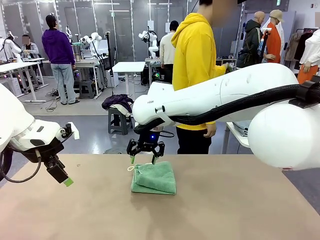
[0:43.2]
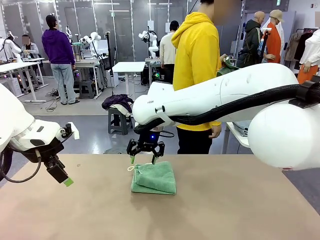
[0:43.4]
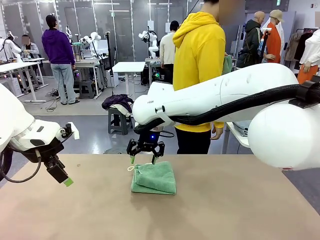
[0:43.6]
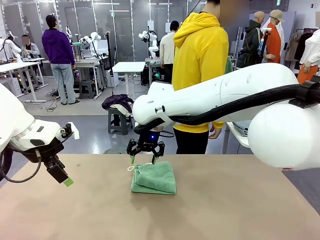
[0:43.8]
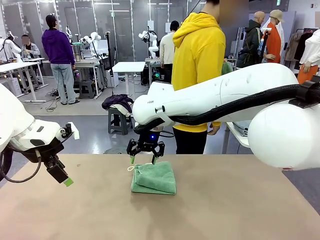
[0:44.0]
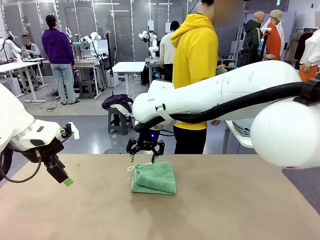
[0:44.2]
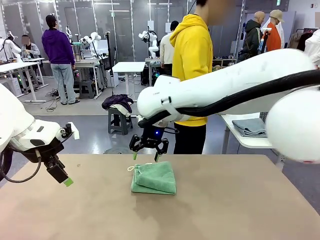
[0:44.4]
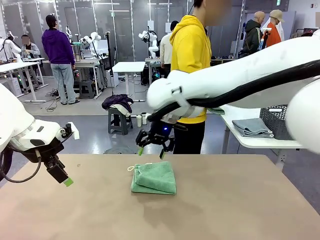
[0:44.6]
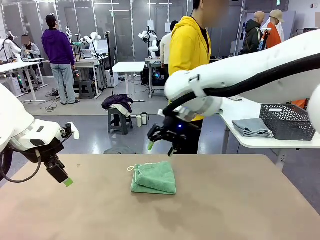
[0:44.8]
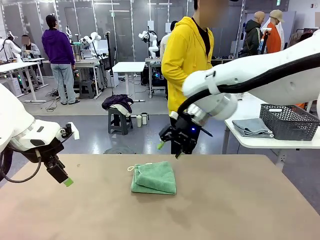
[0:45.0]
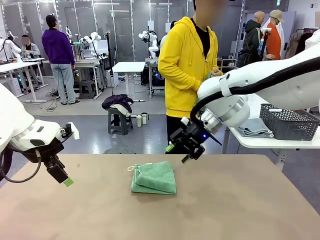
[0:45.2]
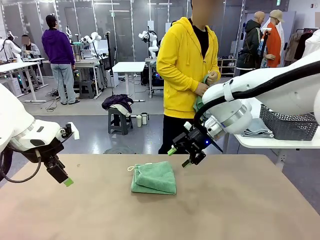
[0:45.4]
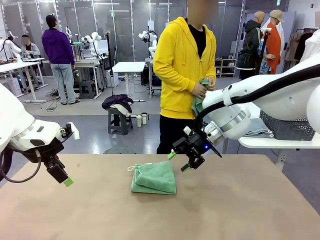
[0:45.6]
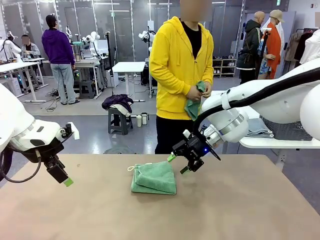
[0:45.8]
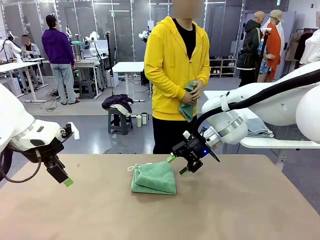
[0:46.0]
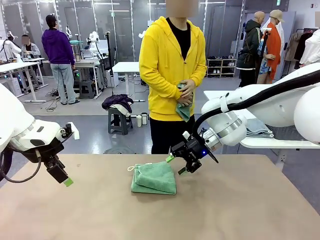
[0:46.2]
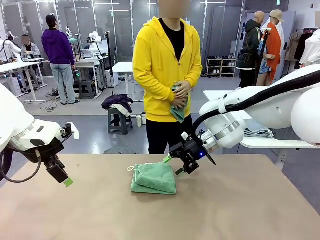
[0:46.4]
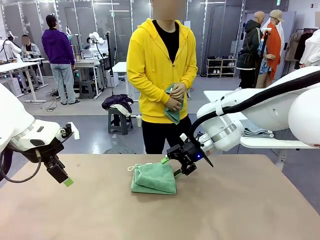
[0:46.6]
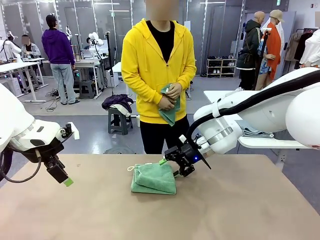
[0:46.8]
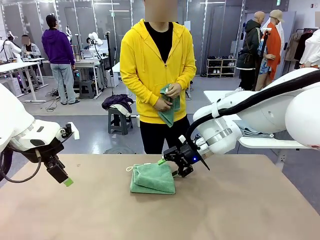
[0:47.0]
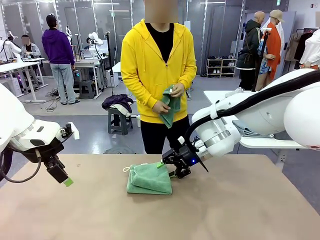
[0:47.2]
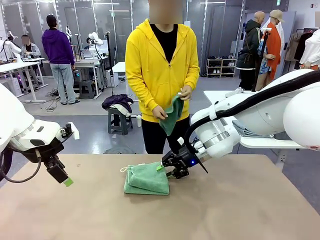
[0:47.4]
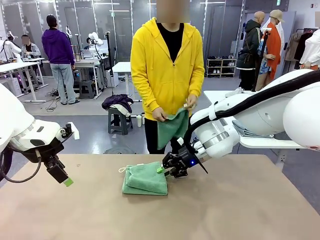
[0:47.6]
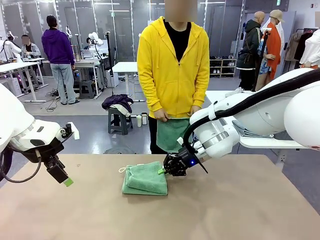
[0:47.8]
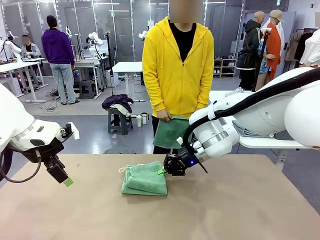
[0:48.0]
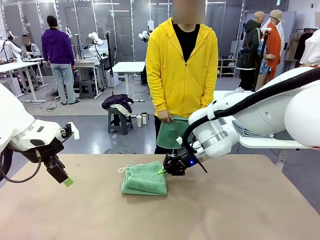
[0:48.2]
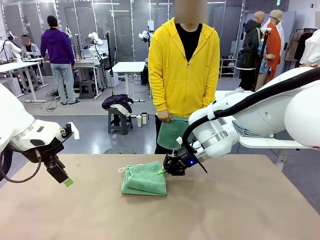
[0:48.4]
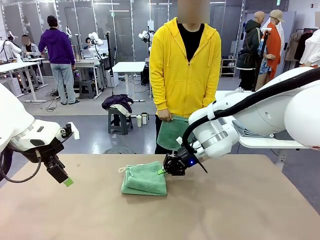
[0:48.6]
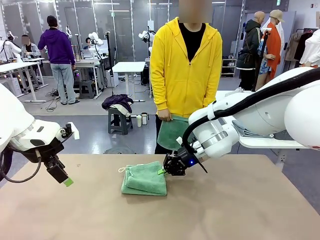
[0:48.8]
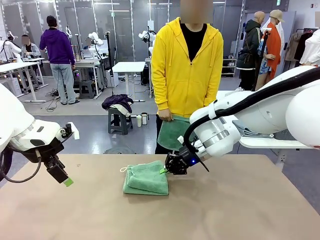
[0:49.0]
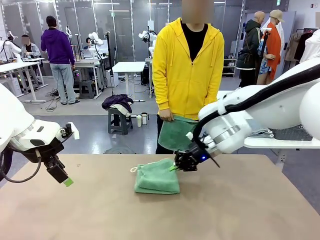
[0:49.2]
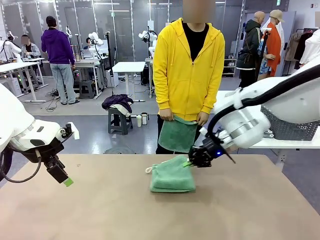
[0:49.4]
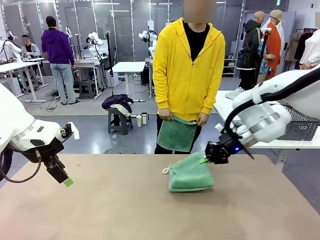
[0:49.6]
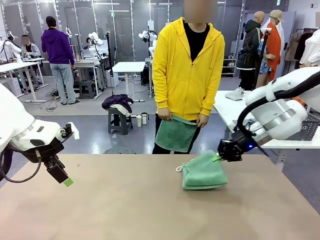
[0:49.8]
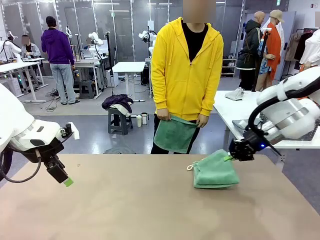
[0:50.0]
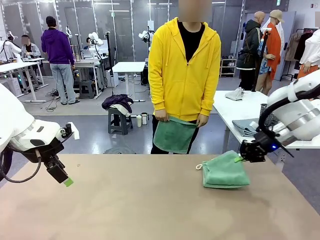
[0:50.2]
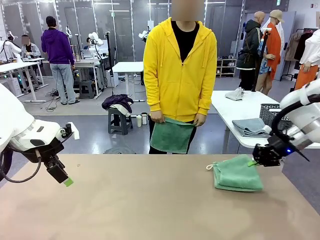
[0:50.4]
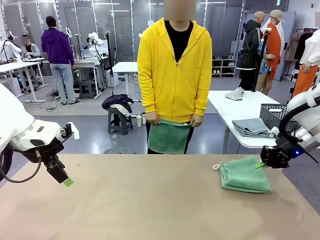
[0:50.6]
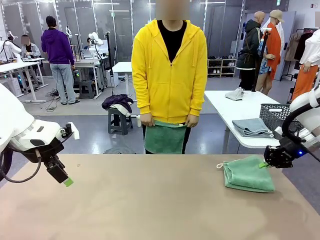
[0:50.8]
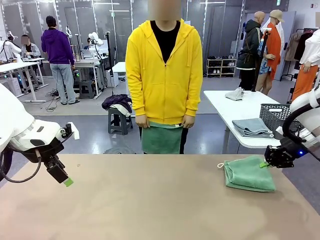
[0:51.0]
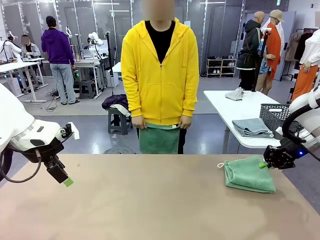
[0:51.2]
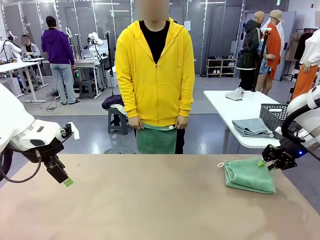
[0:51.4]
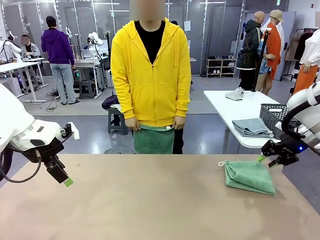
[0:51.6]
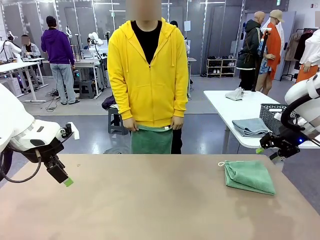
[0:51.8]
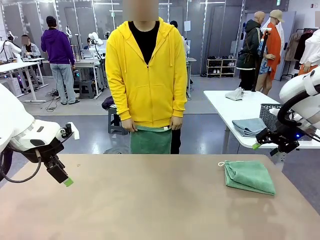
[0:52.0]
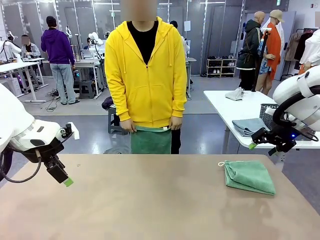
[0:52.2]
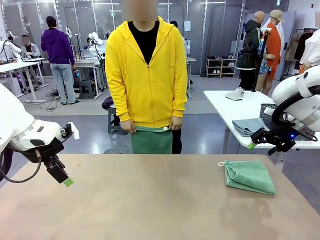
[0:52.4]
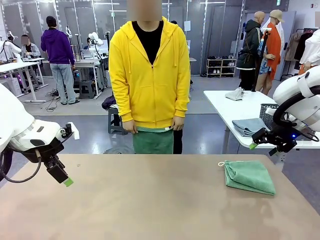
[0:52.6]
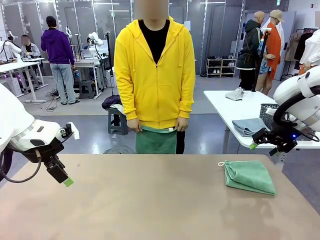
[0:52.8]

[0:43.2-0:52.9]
Task: Fold the towels and place them in the basket.
Robot: Place the folded Towel with hook on the right side of the table.
Person: Pick up one towel from the left side of the human table and spread it out at the center of the robot table.

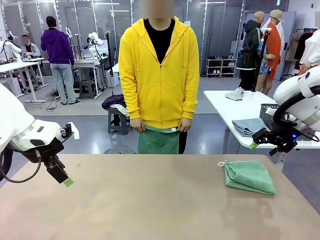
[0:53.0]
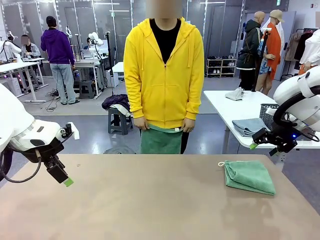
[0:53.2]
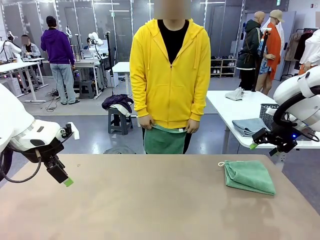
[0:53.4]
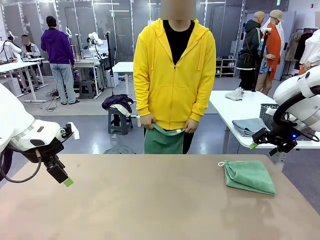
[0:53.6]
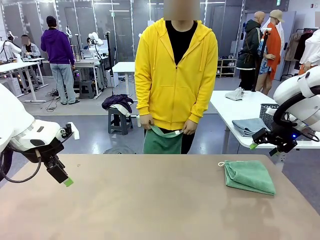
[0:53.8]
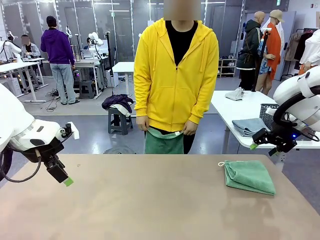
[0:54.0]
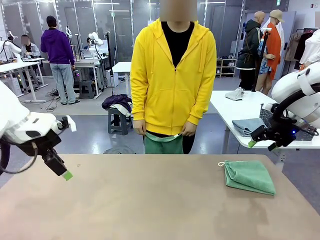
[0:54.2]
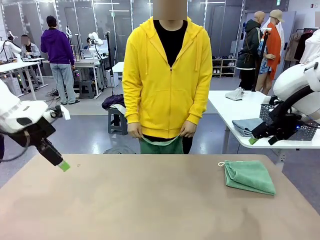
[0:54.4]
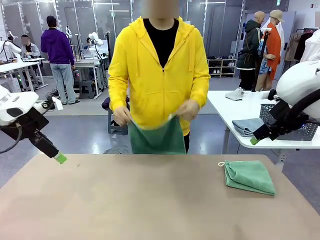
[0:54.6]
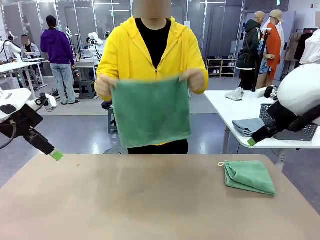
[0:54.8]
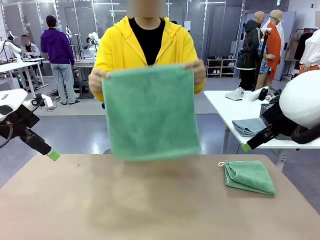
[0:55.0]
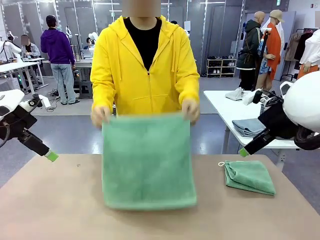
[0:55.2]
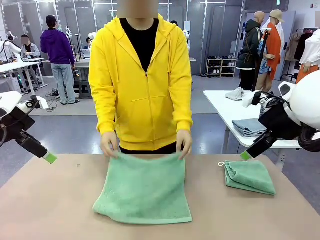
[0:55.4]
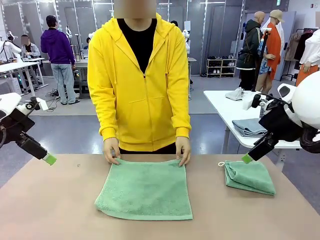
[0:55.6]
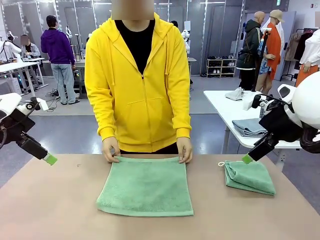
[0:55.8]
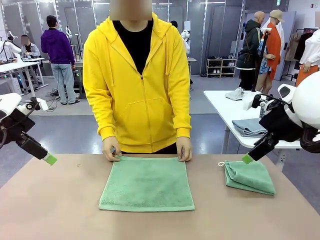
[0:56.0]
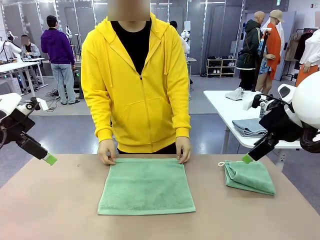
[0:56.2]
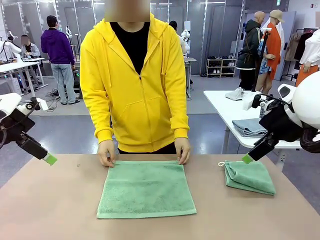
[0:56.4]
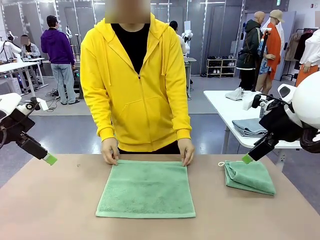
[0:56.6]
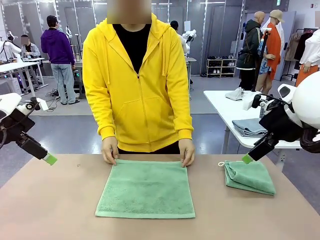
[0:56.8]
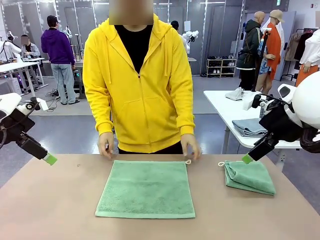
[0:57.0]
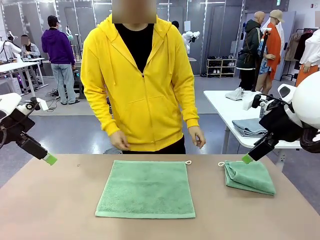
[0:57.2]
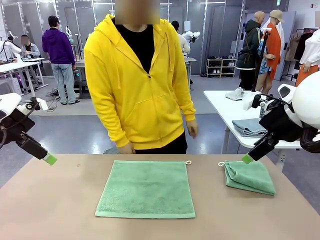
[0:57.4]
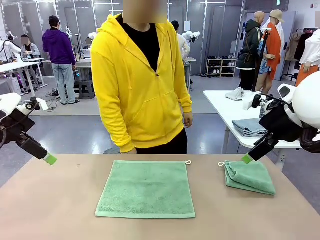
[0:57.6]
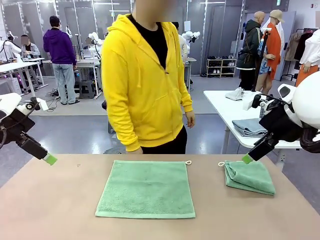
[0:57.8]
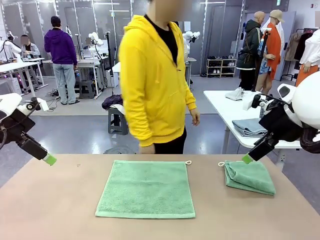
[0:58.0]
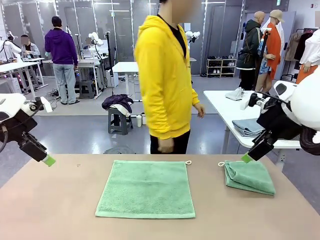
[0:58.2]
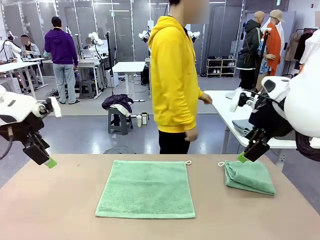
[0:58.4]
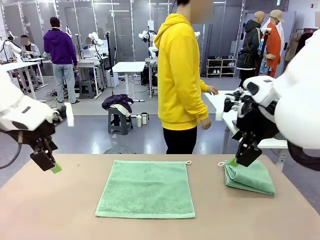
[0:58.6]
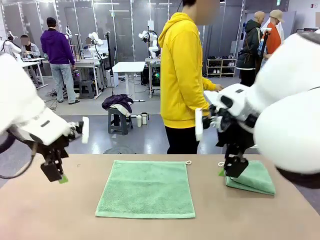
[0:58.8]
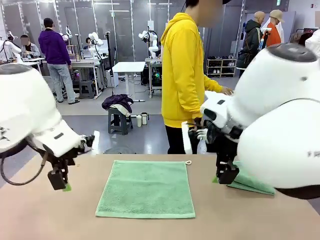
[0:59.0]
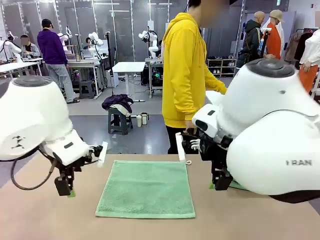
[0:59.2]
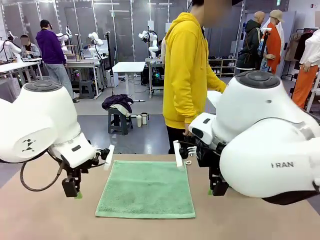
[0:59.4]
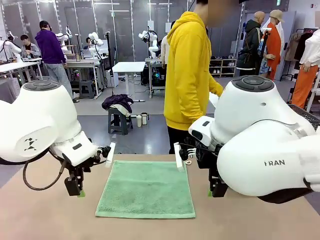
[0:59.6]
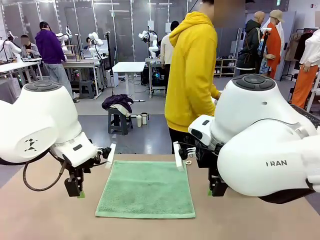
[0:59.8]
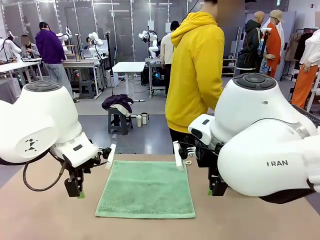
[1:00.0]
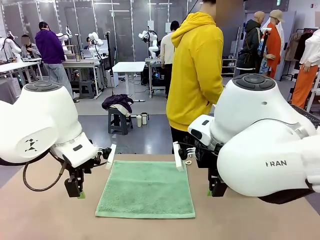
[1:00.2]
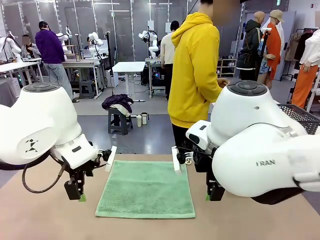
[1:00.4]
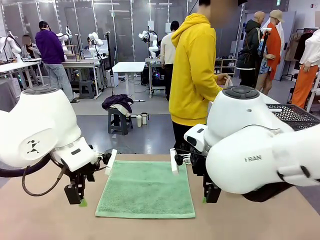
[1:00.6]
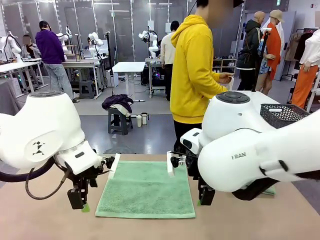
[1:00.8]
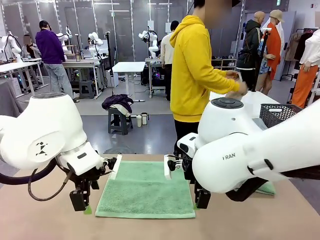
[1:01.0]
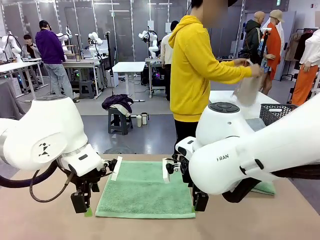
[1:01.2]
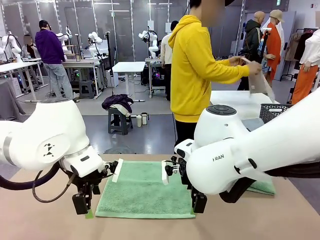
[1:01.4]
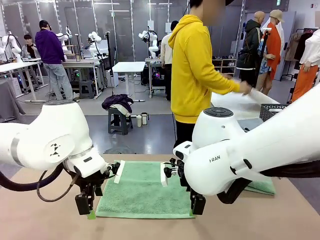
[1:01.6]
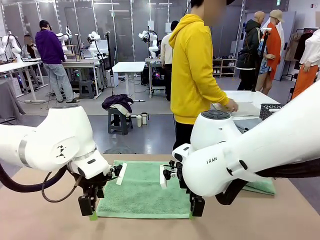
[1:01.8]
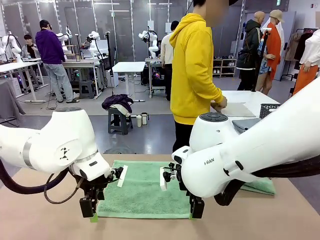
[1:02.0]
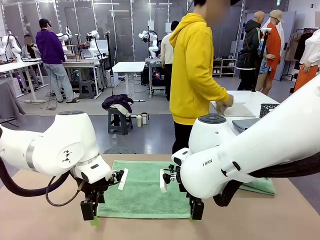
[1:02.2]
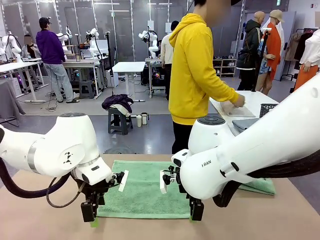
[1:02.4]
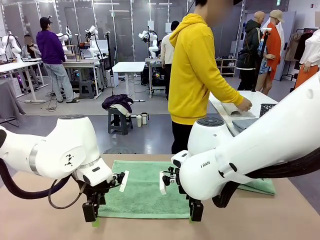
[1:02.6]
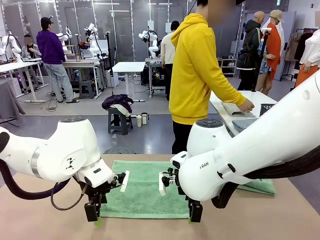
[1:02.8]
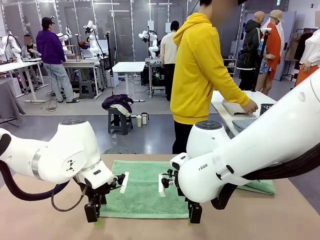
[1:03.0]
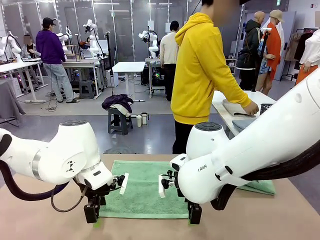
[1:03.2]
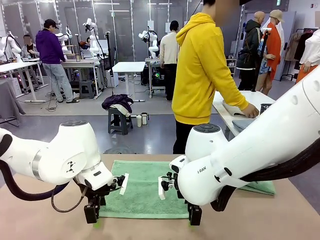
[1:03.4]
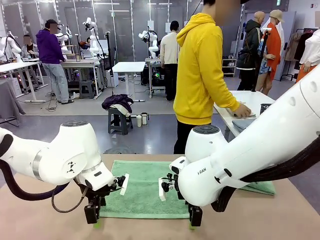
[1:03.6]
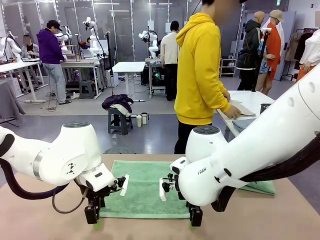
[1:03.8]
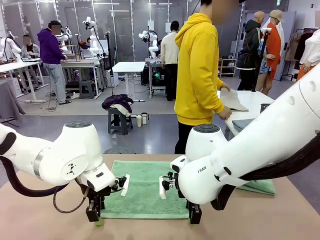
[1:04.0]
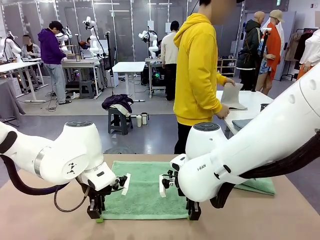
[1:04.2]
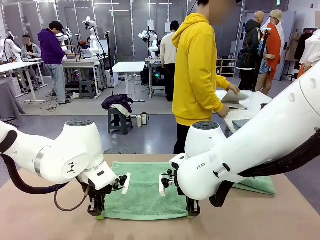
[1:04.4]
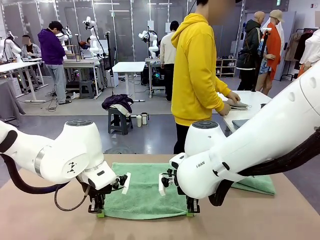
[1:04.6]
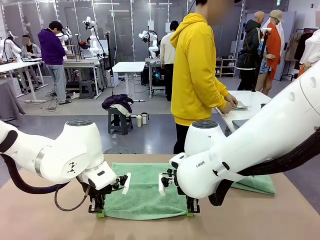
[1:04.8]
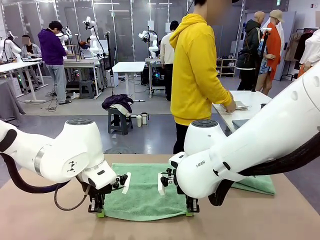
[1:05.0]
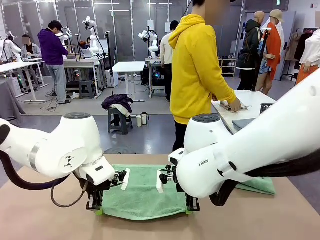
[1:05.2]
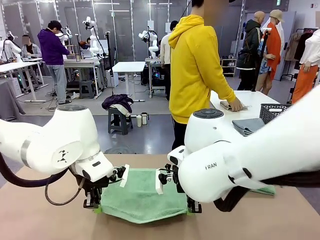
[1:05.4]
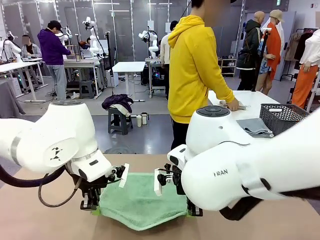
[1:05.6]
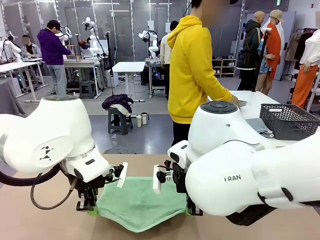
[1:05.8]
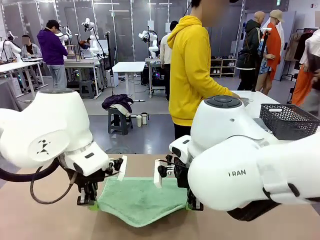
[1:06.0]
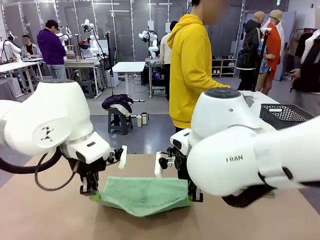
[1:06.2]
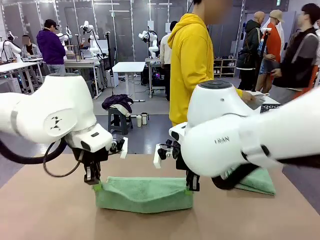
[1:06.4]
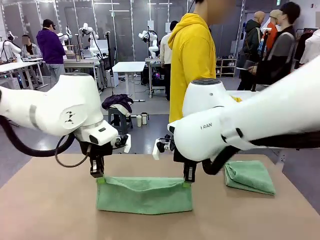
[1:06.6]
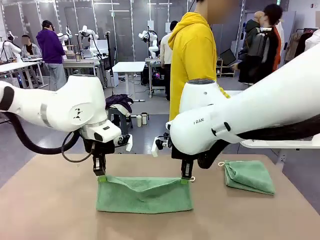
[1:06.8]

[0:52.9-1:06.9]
Robot: When a person lays out a Towel with hook on the table, fold it in half twice.
Person: Pick up one towel from the left side of the human table, fold it in half twice, and stack it on the right side of the table.
